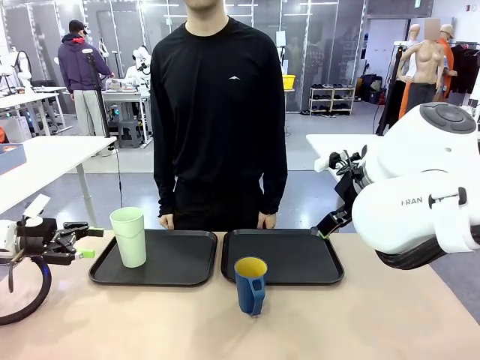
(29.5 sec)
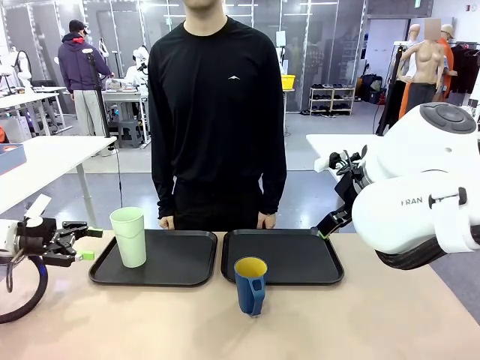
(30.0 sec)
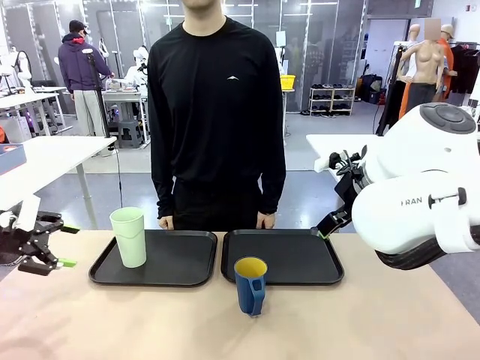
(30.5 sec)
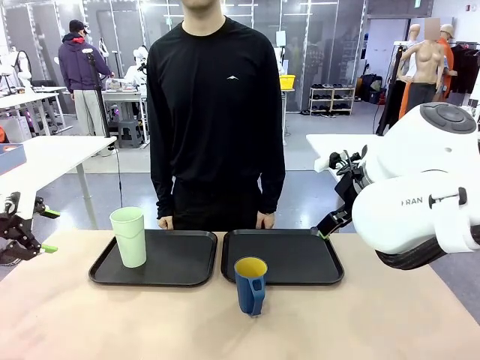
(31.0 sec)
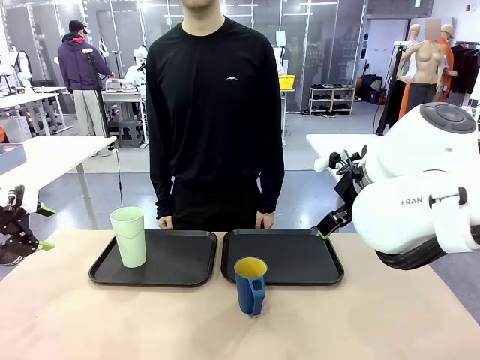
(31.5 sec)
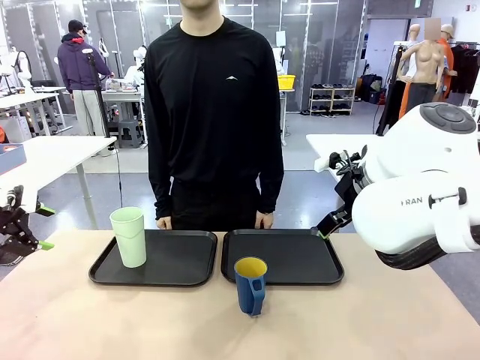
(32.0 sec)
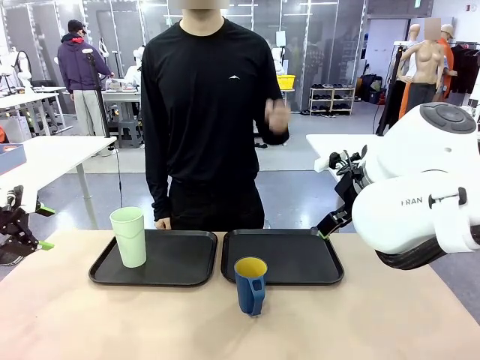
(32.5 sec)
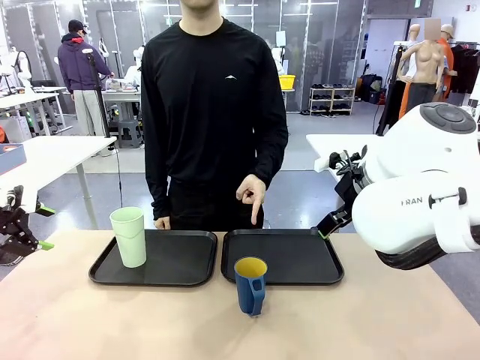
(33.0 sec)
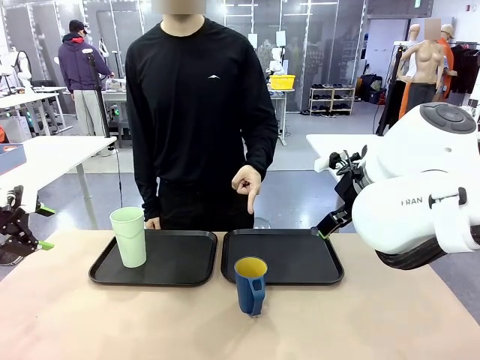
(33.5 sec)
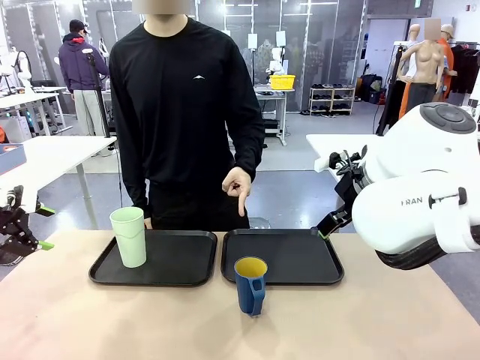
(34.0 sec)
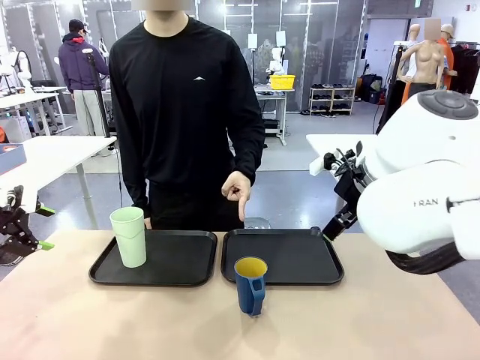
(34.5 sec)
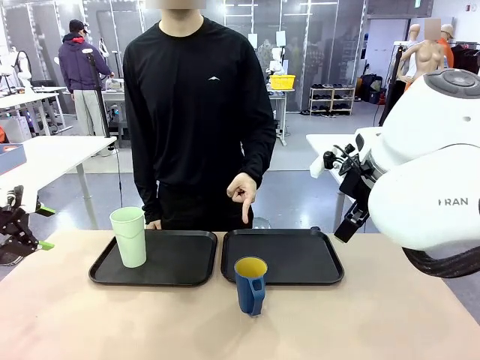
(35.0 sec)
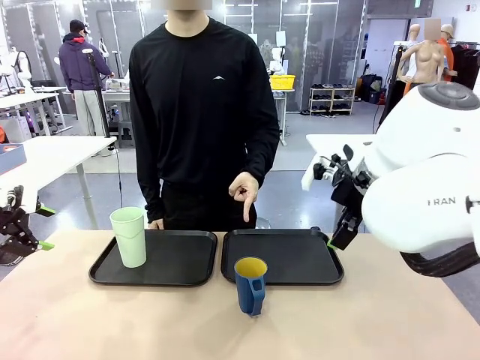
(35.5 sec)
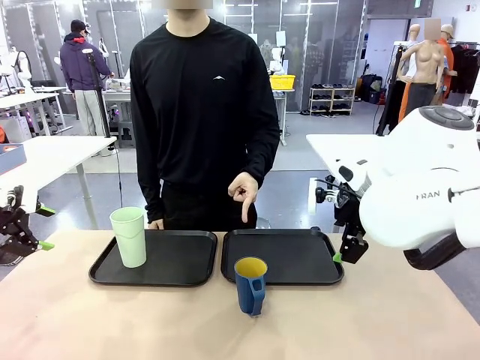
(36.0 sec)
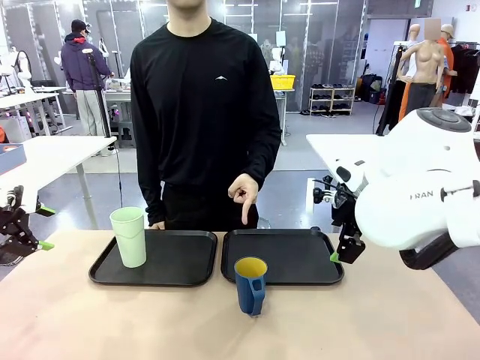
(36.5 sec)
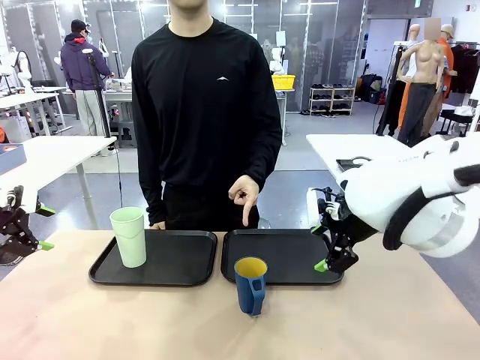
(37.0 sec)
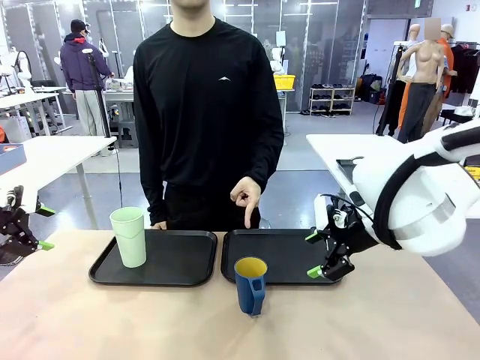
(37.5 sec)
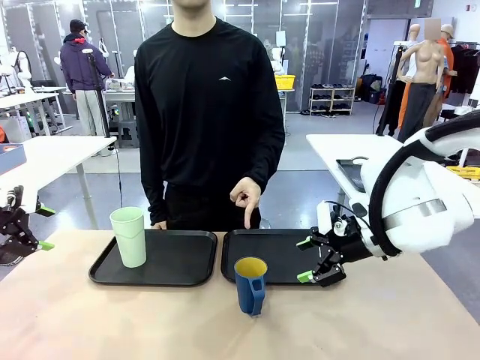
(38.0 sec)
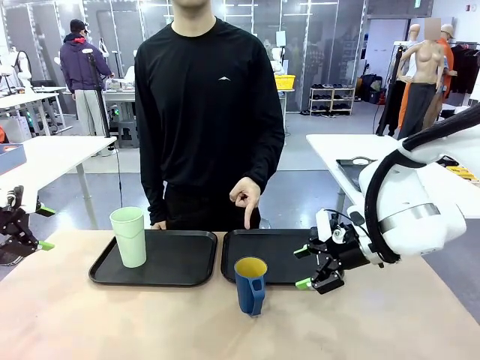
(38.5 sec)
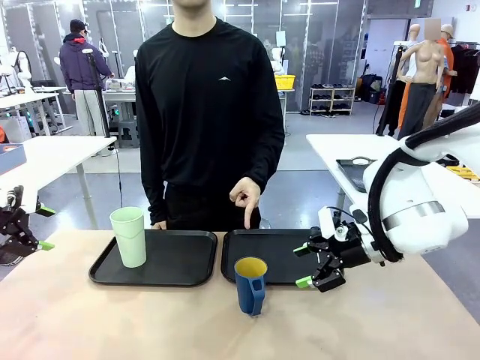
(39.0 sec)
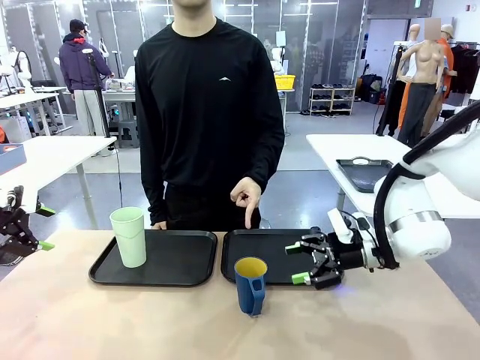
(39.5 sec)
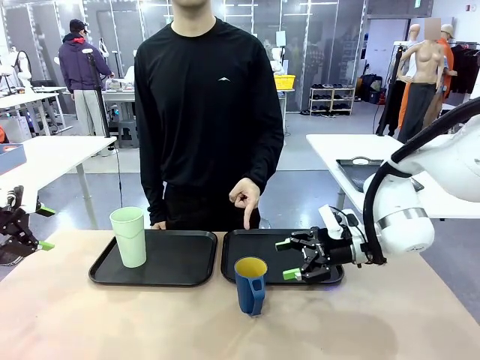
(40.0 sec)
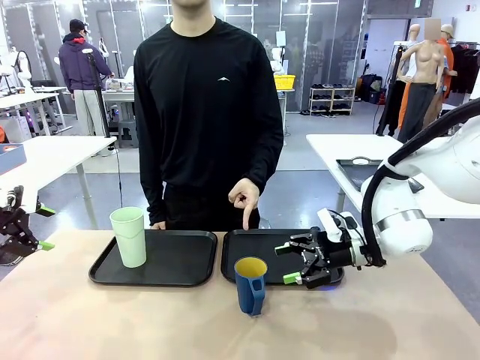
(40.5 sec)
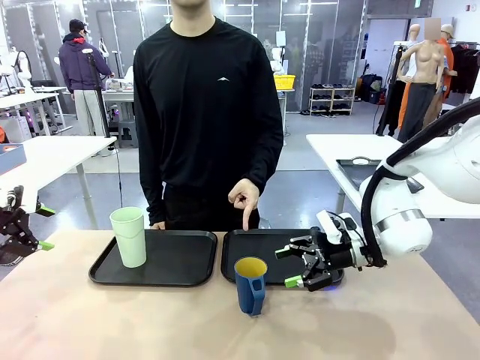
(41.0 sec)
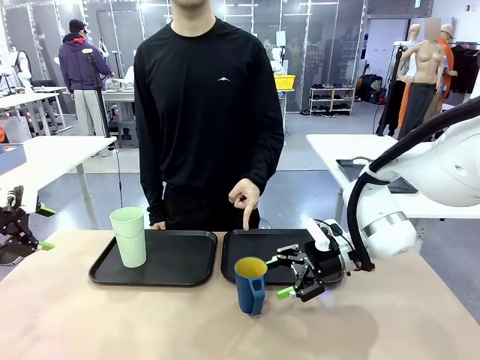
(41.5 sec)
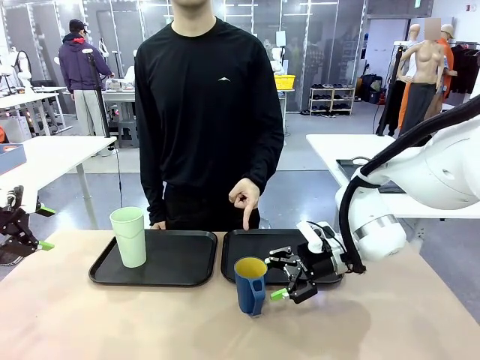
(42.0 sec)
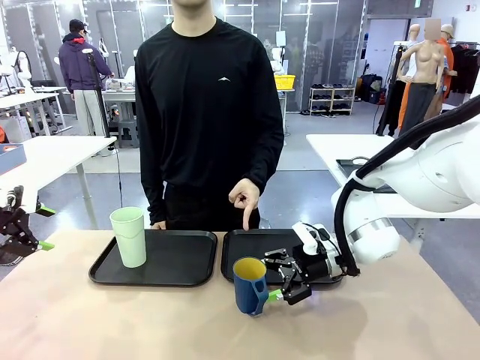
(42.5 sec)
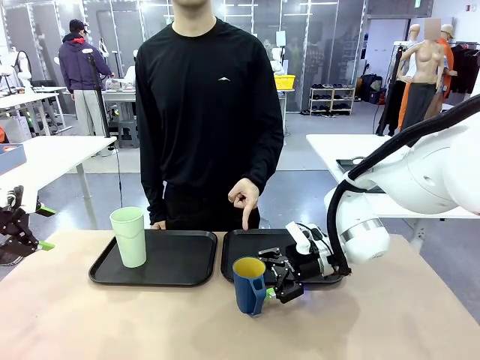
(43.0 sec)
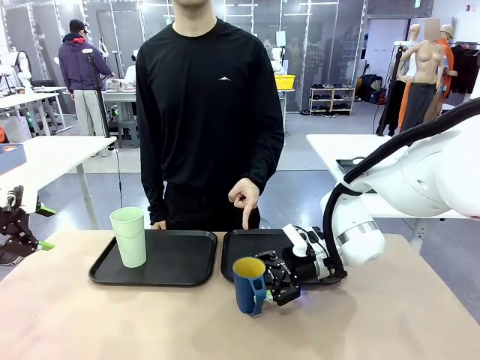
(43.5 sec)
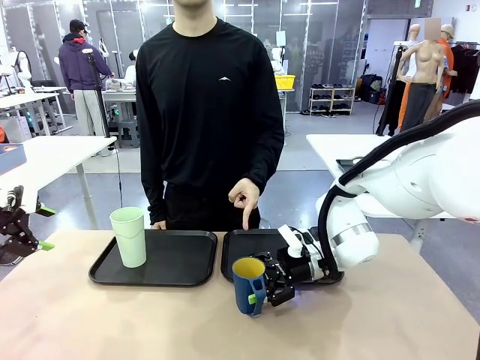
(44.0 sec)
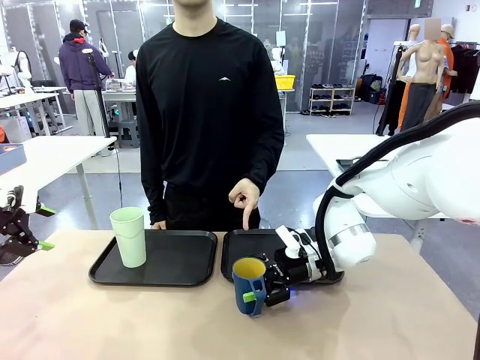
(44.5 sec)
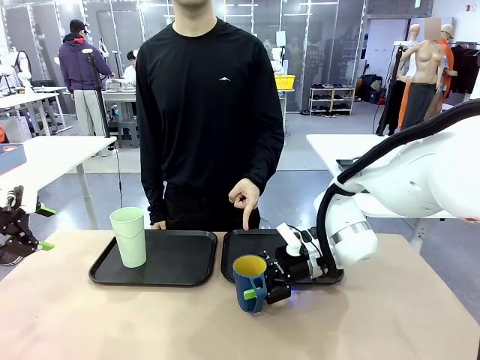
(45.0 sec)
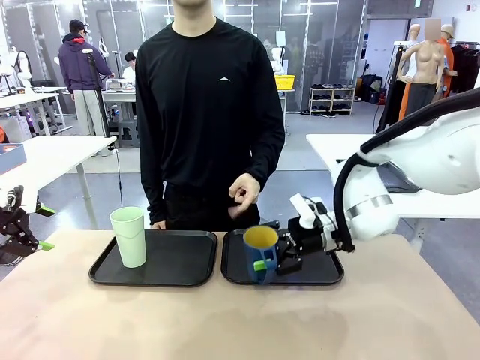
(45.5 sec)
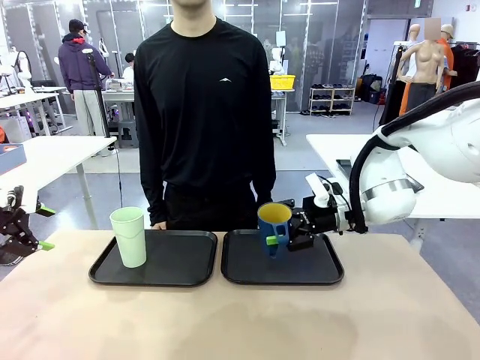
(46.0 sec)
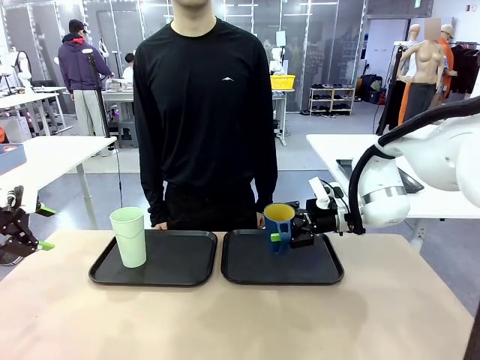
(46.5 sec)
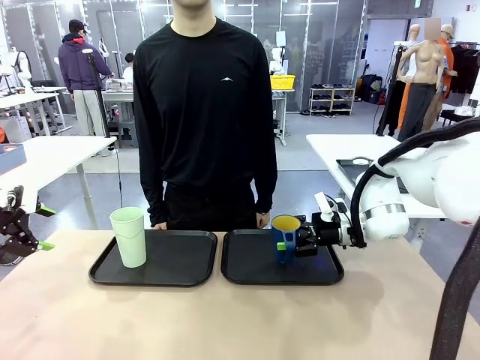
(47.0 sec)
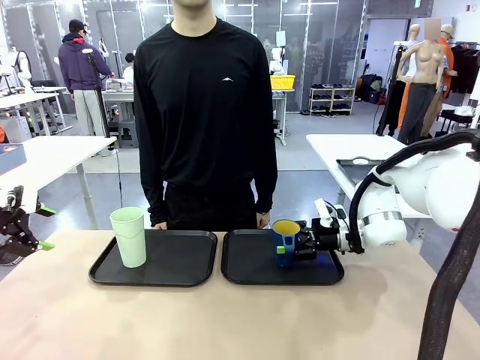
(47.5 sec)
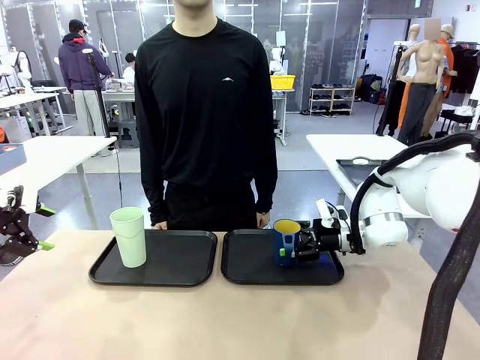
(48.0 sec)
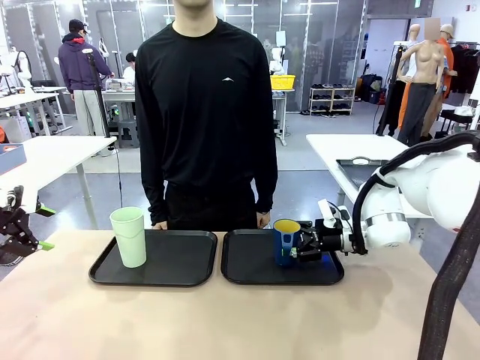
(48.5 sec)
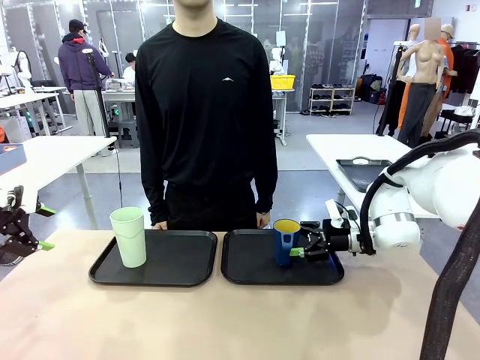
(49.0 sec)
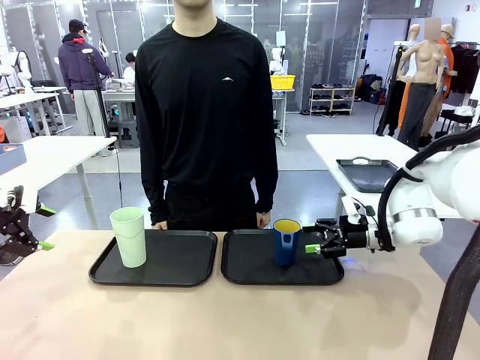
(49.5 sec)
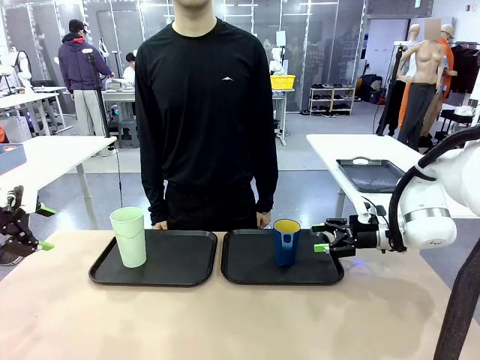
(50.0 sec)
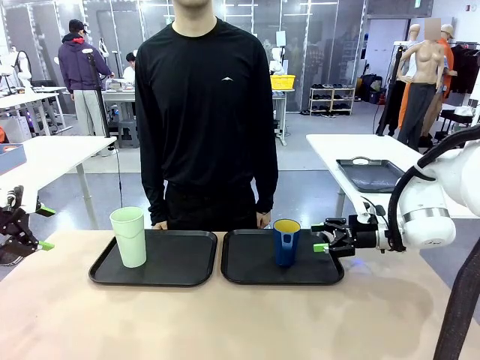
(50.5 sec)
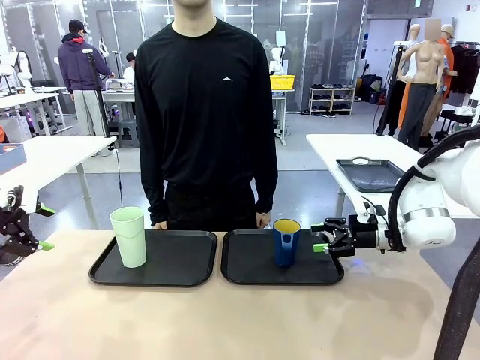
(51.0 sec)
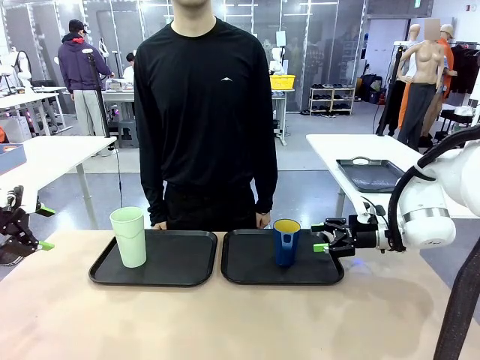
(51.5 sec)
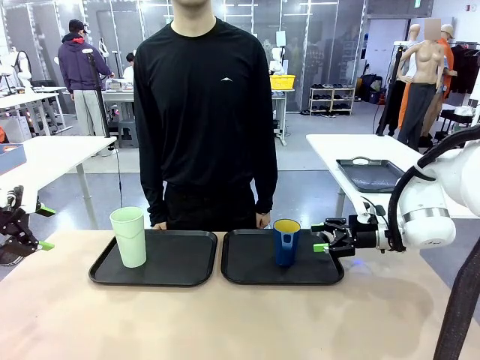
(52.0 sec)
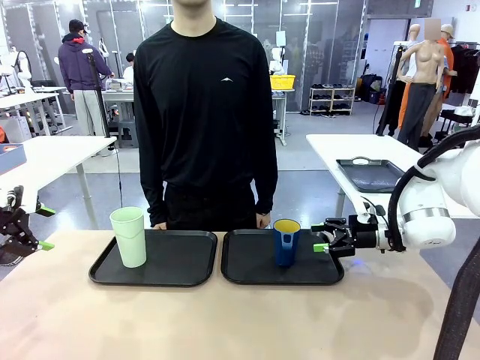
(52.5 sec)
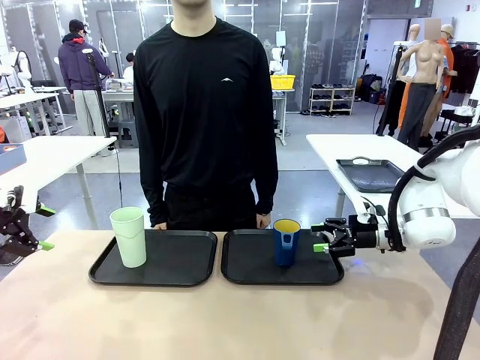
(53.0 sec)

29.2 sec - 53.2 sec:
Task: Sort and store the cups by type.
Robot: Pick up the Handle plastic cup and place it into the empty Flat Tray.
Person: Points to the cup with a handle.
